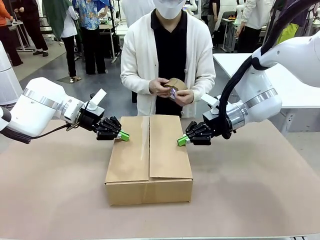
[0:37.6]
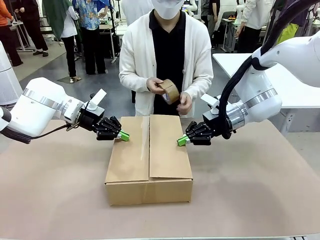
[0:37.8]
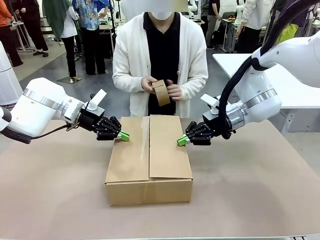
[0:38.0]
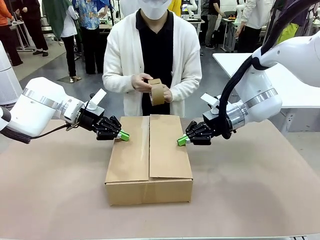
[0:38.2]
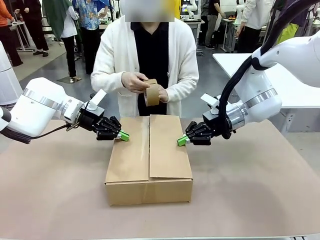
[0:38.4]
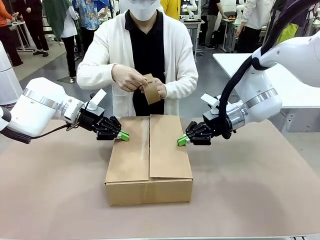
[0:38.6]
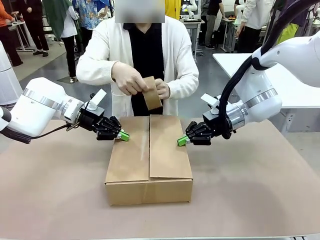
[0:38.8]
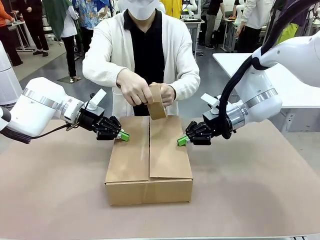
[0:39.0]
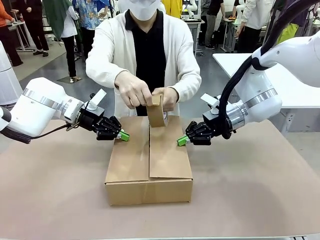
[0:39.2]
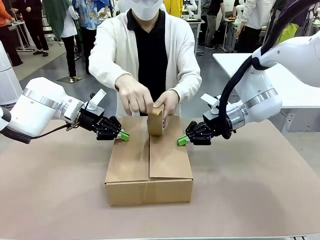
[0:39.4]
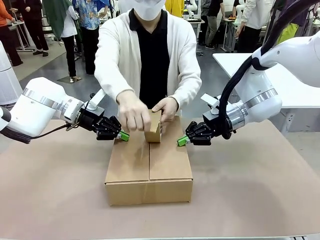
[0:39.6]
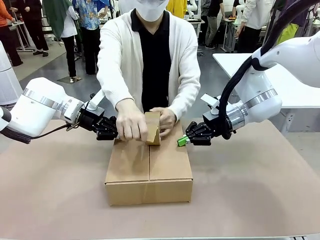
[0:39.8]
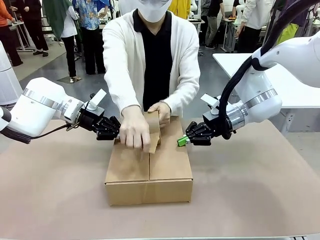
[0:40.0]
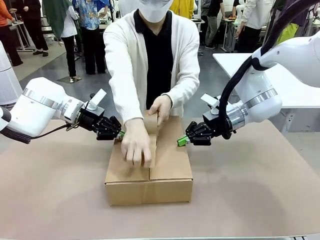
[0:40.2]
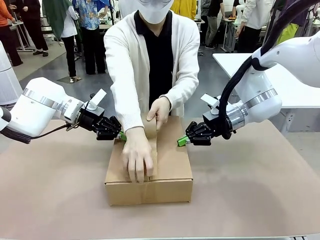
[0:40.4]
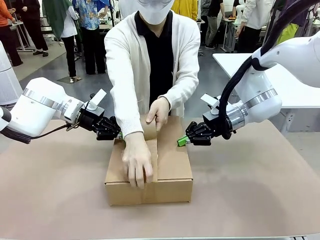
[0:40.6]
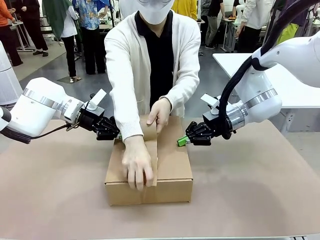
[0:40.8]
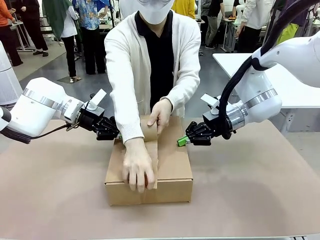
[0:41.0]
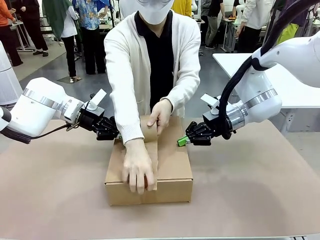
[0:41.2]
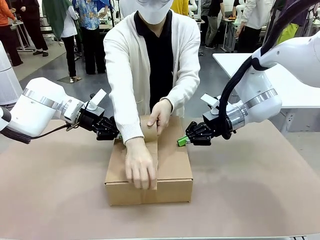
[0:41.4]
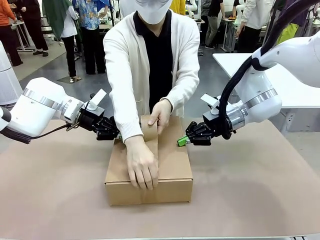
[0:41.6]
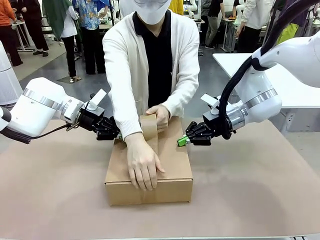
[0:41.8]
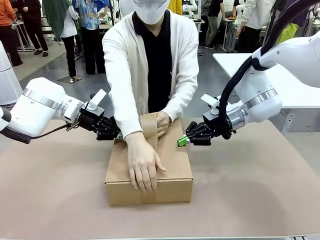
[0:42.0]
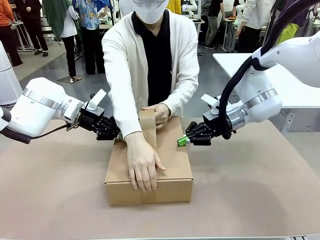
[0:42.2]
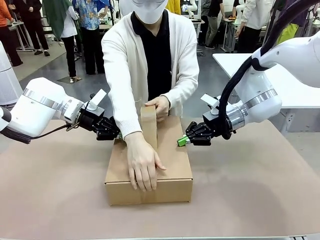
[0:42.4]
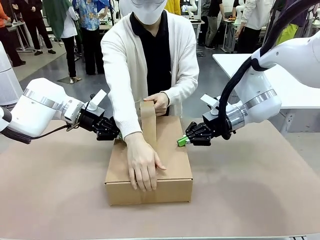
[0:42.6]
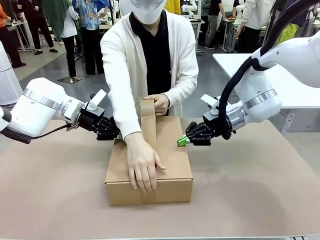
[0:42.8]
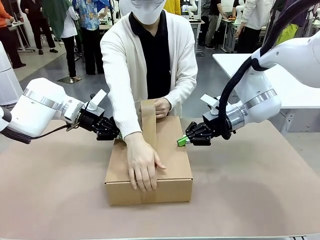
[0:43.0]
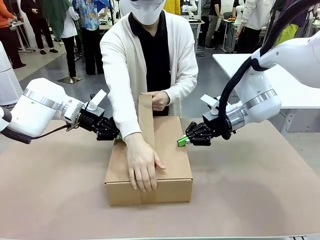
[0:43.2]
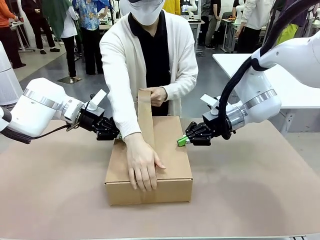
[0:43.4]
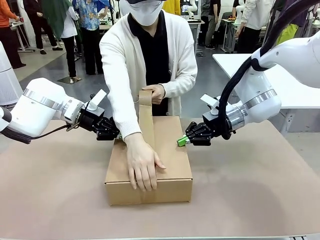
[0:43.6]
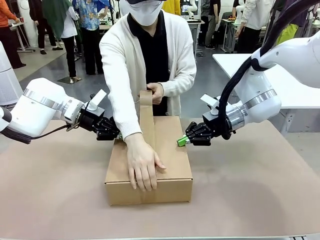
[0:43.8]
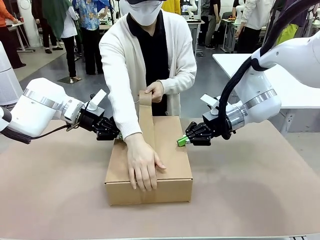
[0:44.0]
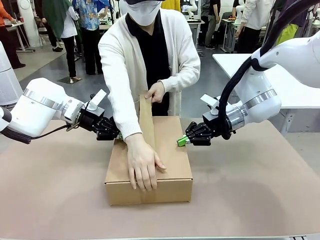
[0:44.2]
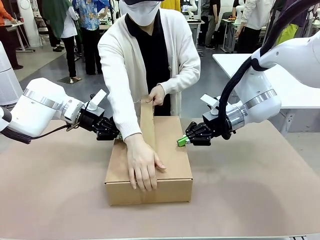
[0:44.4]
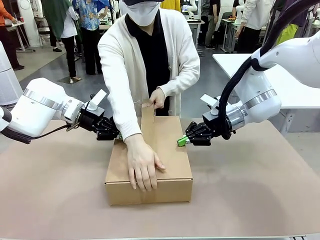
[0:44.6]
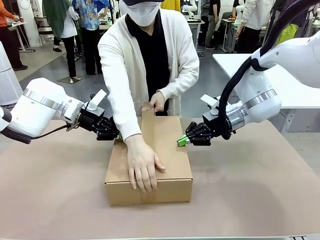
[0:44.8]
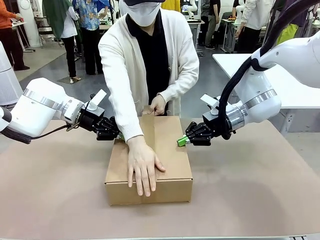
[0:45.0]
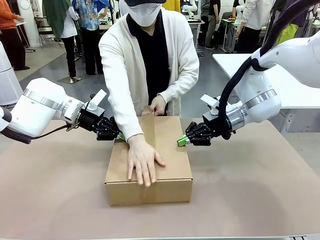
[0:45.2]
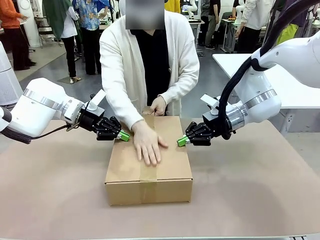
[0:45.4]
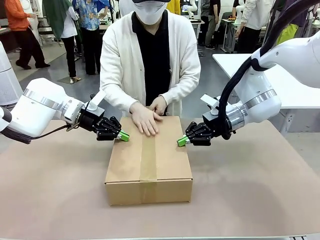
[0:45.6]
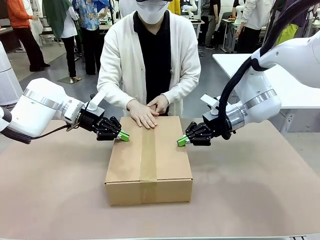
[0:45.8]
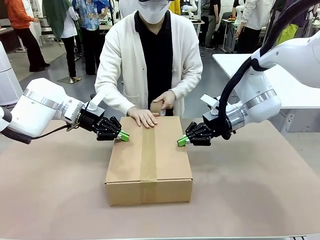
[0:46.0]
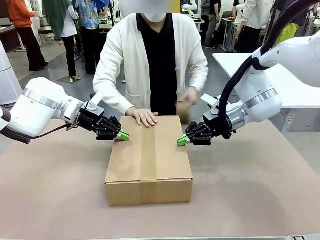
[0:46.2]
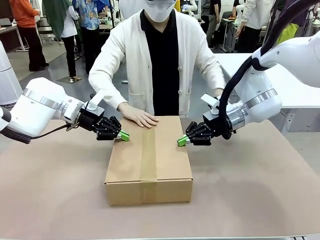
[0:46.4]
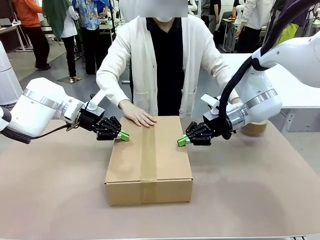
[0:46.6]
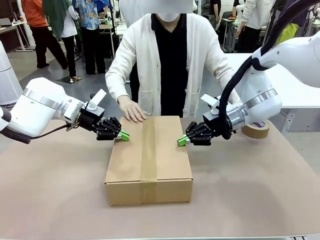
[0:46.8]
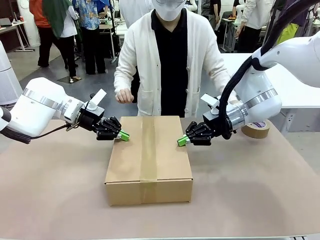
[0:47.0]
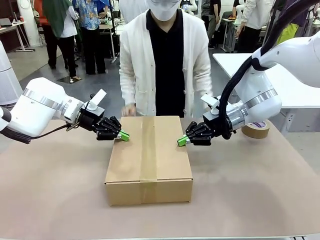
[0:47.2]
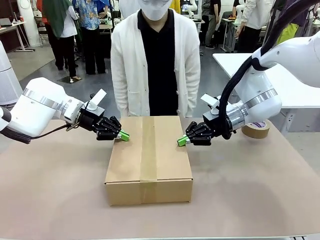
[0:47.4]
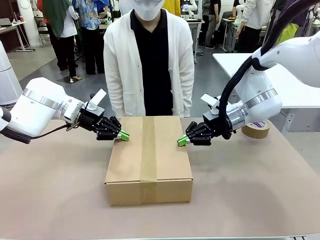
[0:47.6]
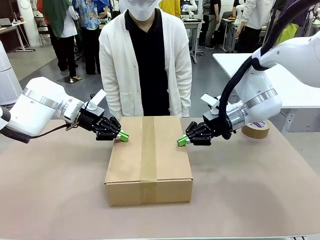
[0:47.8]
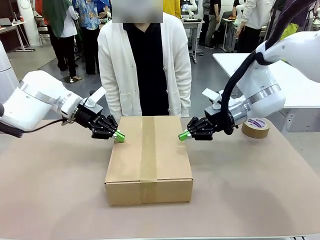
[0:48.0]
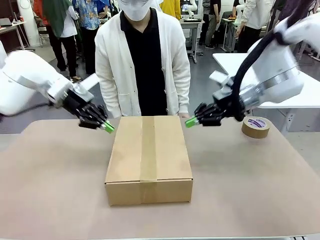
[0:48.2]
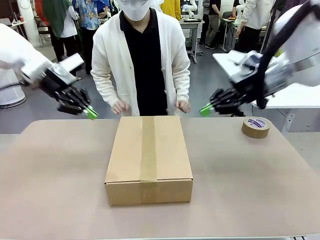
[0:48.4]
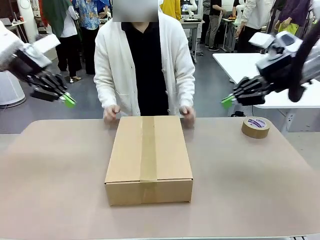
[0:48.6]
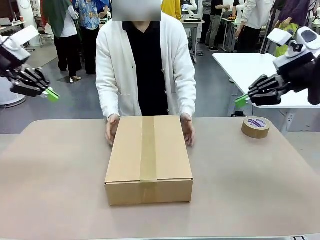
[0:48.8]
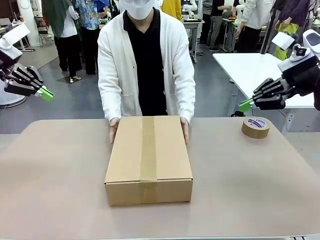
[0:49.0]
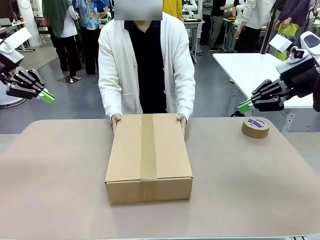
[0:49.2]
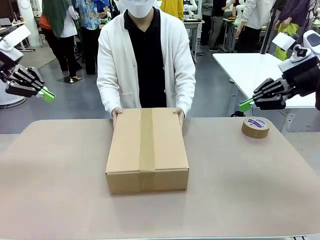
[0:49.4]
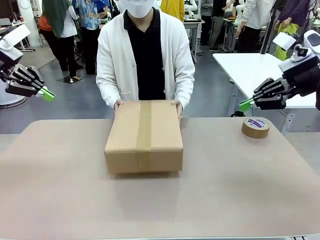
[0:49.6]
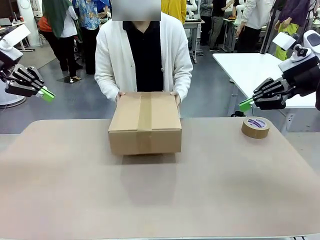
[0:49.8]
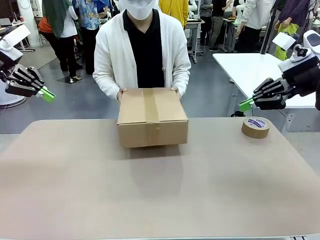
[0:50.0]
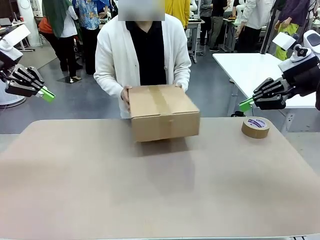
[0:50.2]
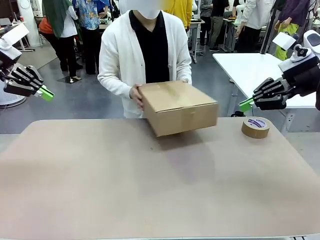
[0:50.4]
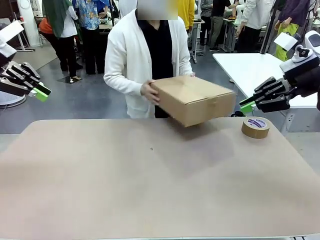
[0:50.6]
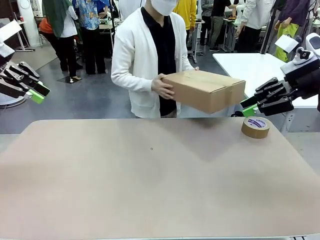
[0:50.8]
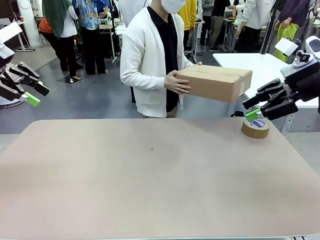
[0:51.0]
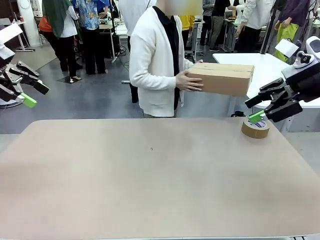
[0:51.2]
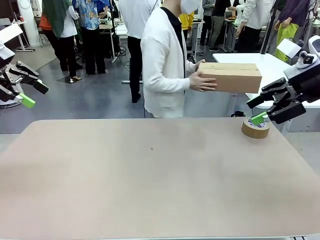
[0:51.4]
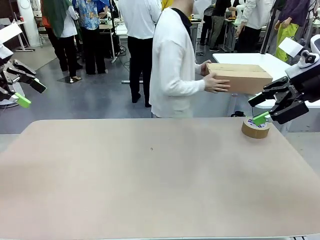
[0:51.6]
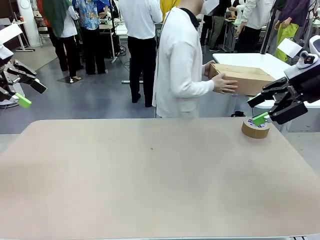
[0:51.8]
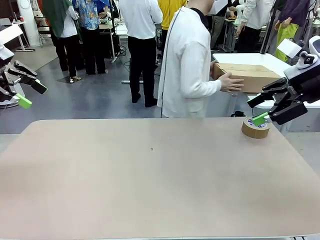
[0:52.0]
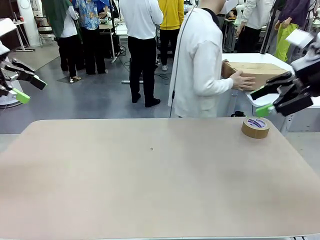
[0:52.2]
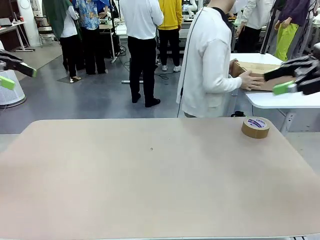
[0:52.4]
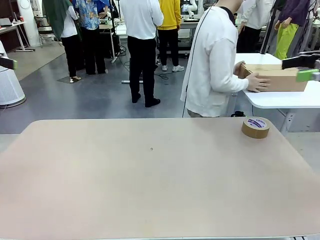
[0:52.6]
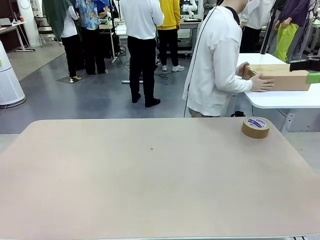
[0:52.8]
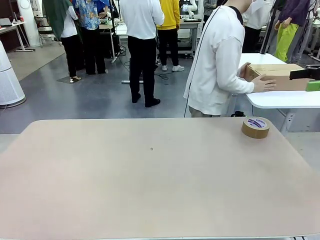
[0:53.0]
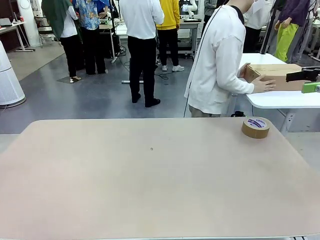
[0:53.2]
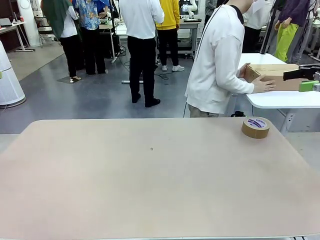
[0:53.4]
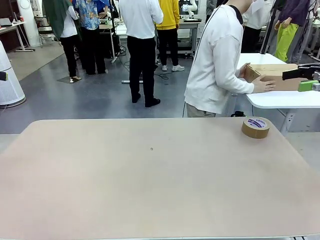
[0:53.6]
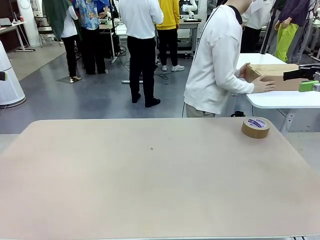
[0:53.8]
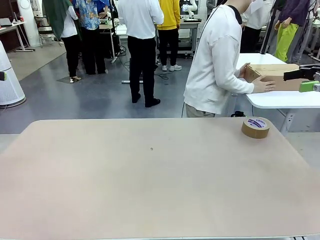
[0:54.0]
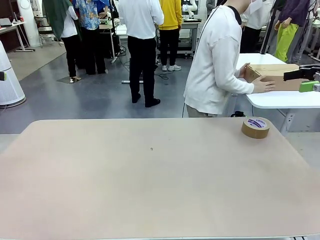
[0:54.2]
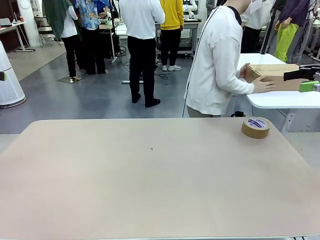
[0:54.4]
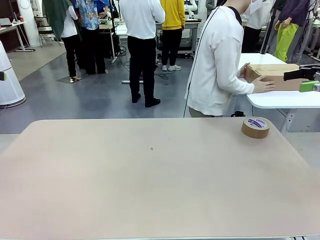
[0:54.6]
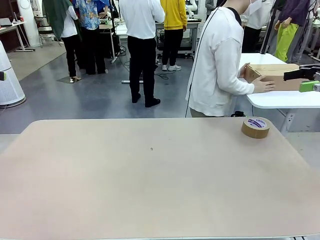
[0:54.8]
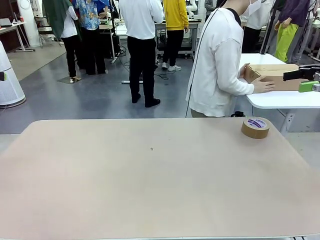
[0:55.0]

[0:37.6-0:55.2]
Task: Wrap the clocks to prevent damage.
Robot: After the human seals the box with tape, release both hands from the side flaps of the Package Box.
Person: Once the robot closes the left flap of the Package Box , seal the box with Paper Tape. Place sealed Package Box in the middle of the human's table.

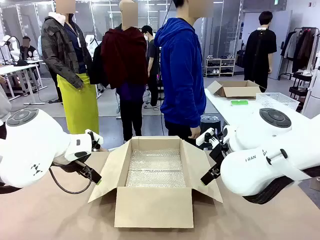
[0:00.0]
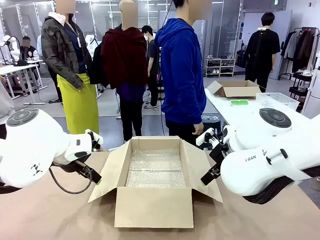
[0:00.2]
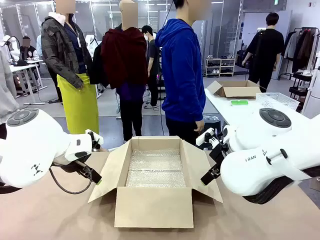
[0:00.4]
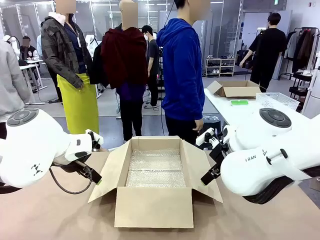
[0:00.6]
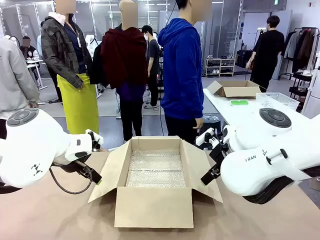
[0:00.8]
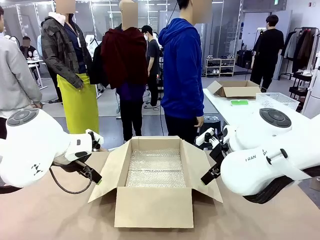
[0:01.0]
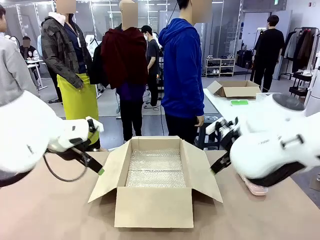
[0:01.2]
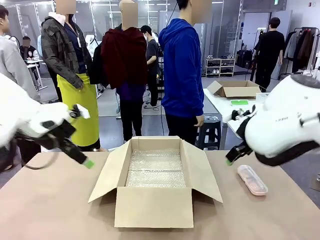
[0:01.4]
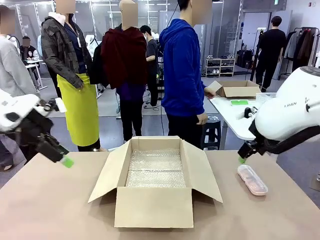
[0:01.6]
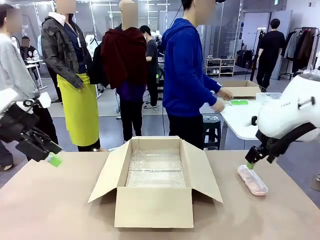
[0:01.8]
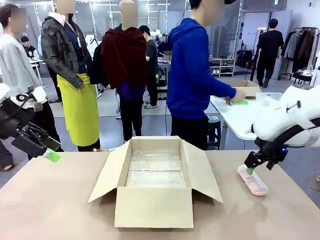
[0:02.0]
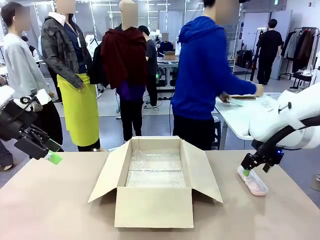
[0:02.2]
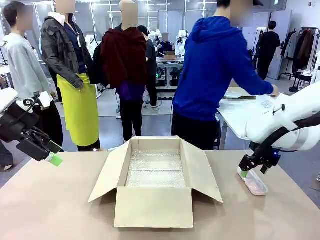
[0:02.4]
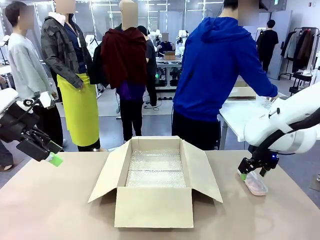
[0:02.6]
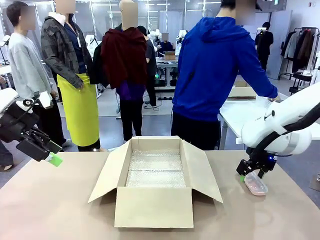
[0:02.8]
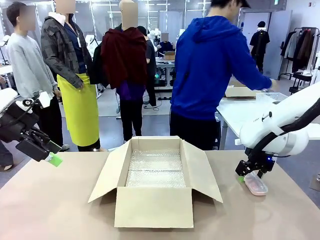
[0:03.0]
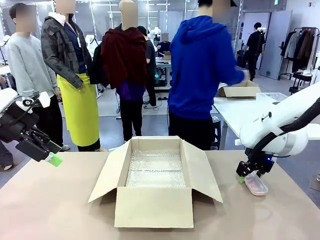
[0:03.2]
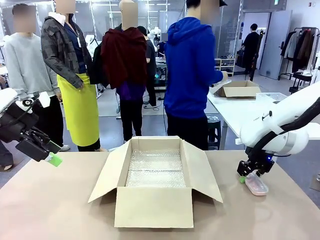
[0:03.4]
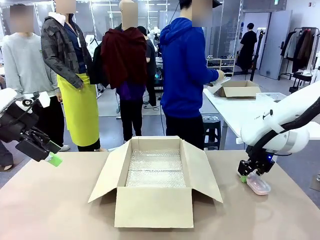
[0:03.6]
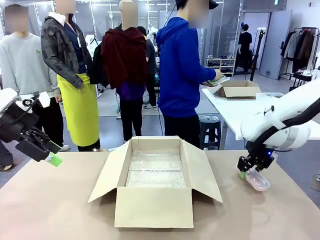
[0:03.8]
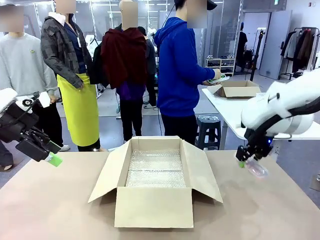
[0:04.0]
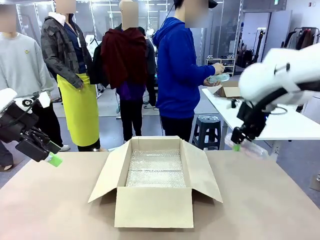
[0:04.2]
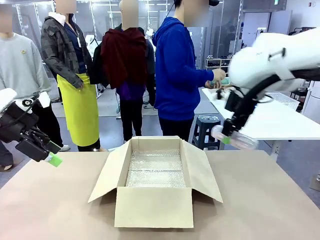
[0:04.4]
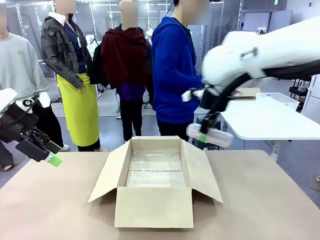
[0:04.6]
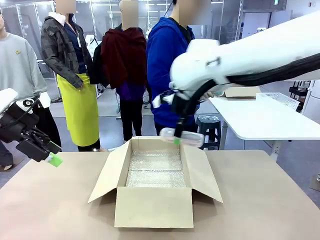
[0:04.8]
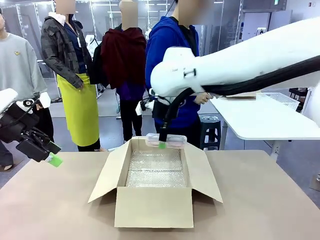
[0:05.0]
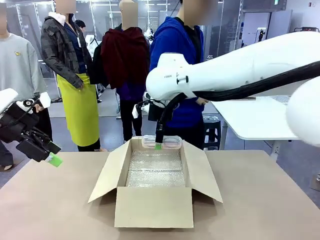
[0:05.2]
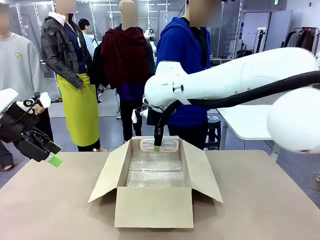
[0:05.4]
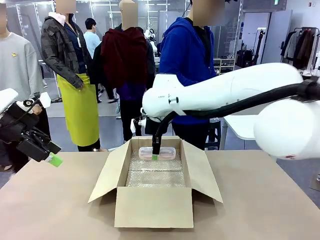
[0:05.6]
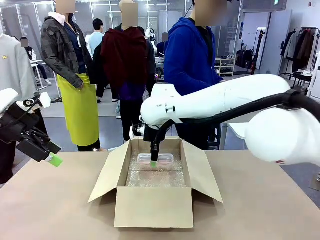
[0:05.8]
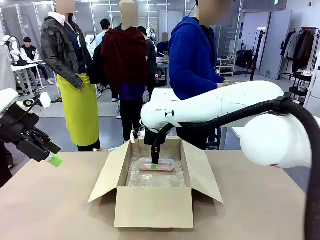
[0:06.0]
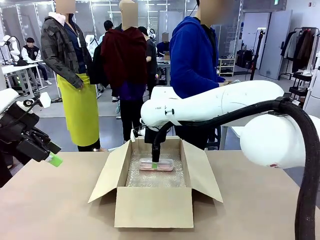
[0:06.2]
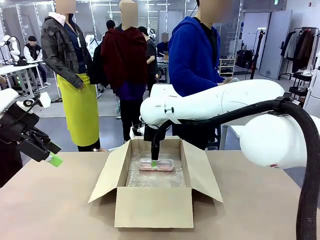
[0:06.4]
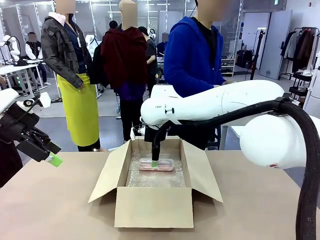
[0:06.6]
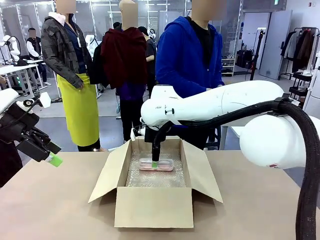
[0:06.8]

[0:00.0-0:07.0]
Task: Pack the glasses set securely to prepare it for shipping.
Robot: Place the Glasses case inside the Package Box.
Person: Place the Glasses inside the Glasses case.
